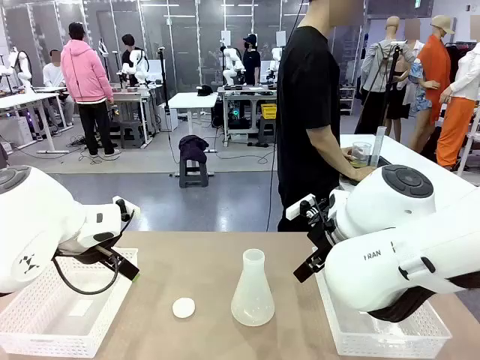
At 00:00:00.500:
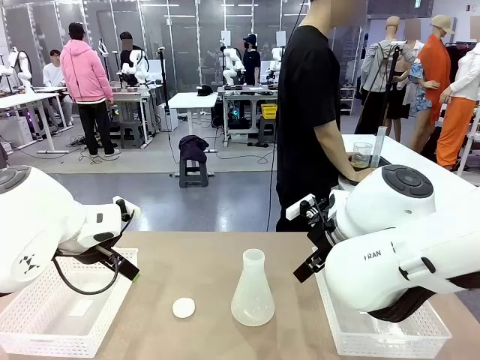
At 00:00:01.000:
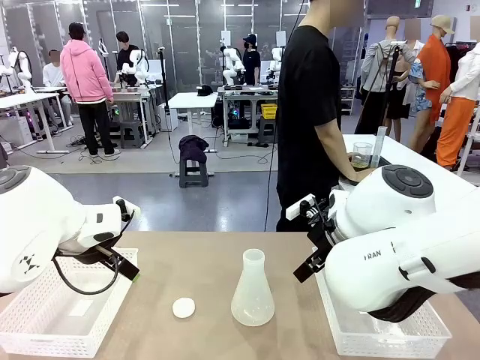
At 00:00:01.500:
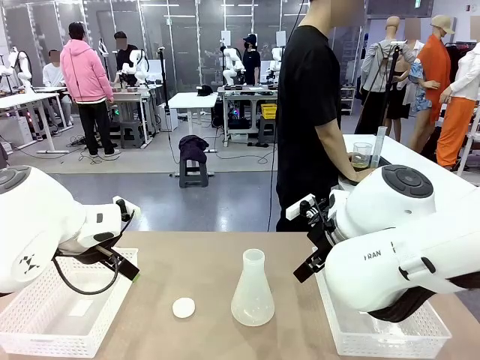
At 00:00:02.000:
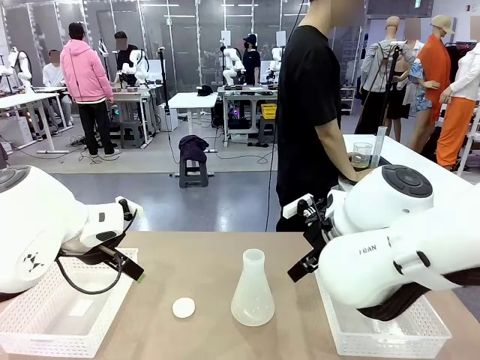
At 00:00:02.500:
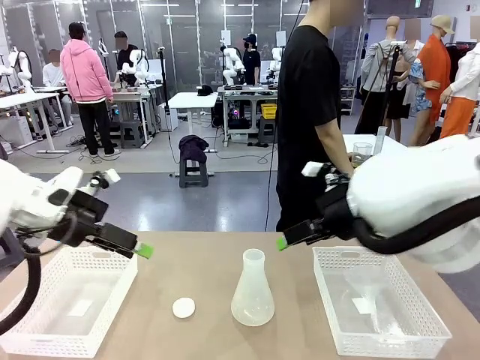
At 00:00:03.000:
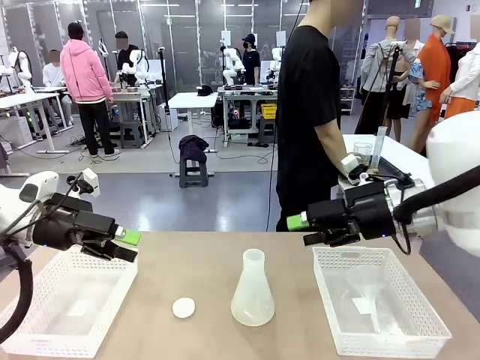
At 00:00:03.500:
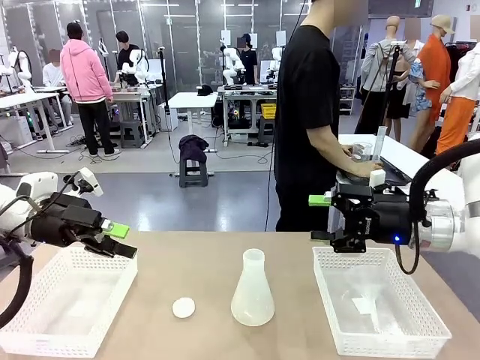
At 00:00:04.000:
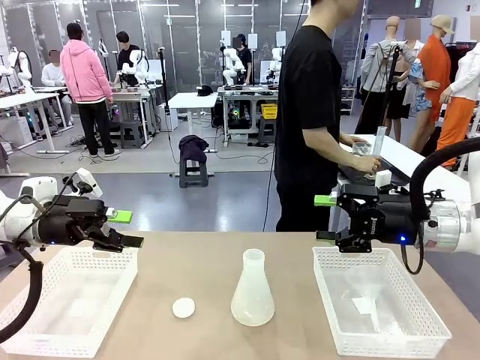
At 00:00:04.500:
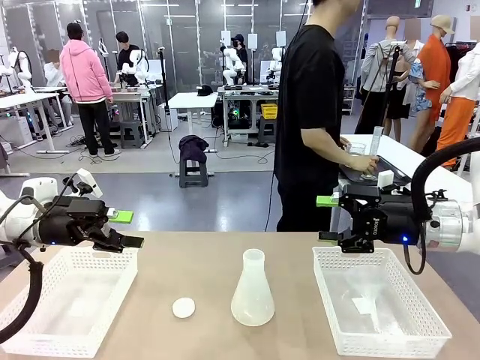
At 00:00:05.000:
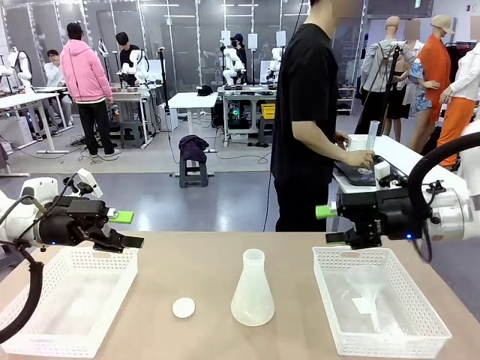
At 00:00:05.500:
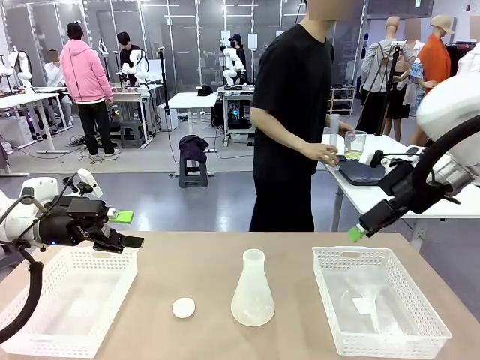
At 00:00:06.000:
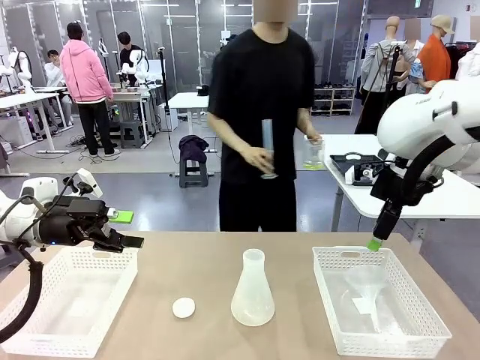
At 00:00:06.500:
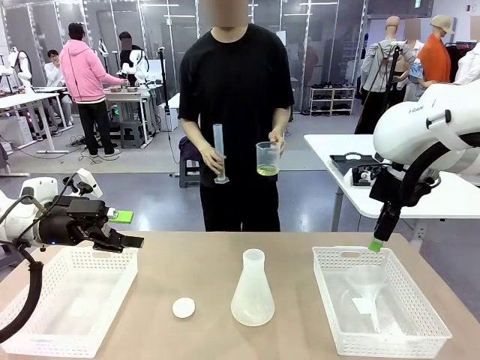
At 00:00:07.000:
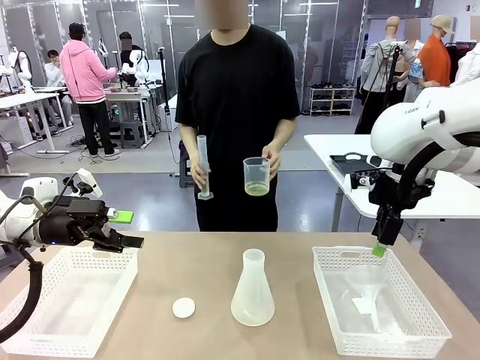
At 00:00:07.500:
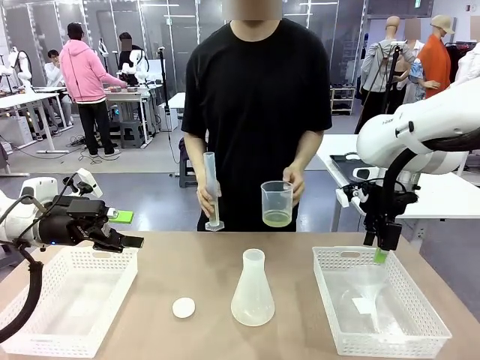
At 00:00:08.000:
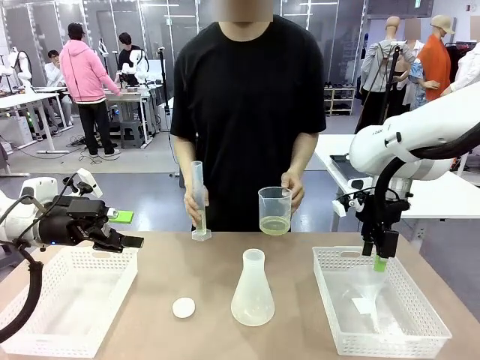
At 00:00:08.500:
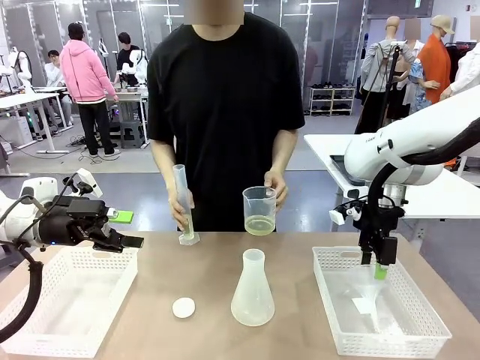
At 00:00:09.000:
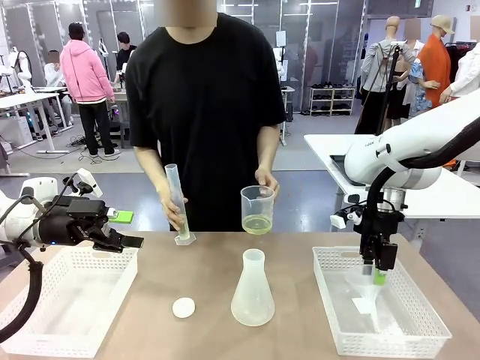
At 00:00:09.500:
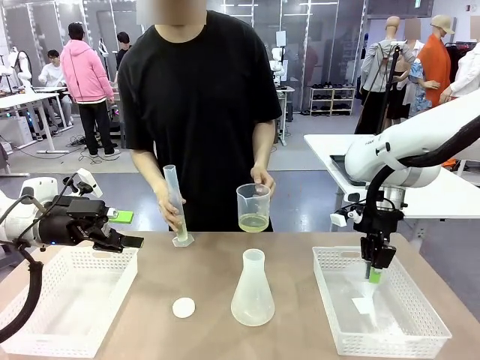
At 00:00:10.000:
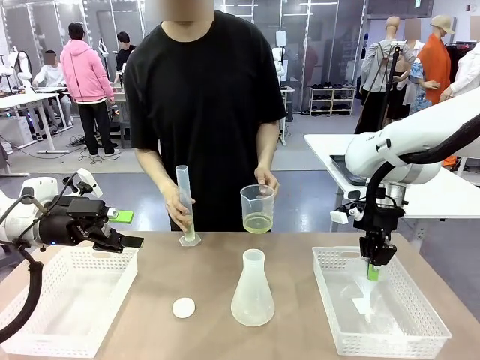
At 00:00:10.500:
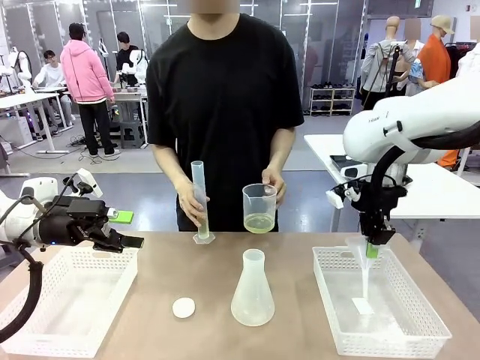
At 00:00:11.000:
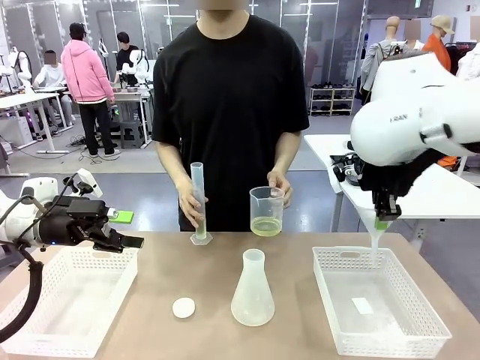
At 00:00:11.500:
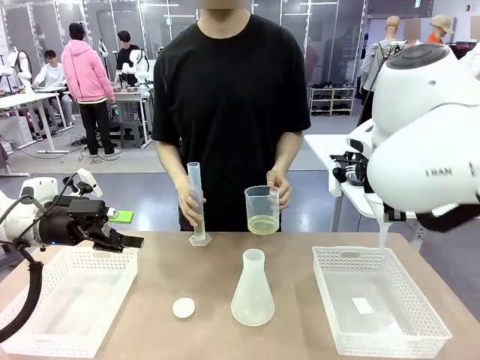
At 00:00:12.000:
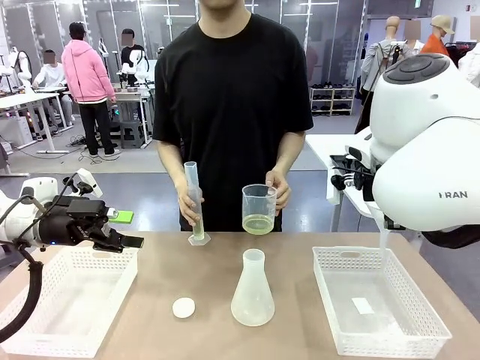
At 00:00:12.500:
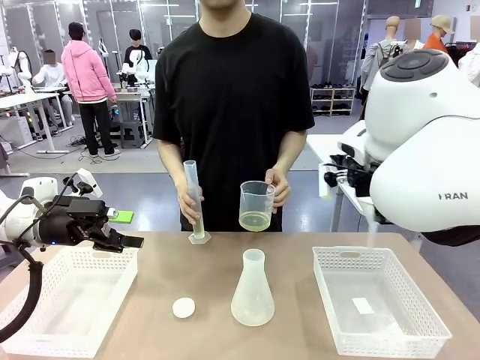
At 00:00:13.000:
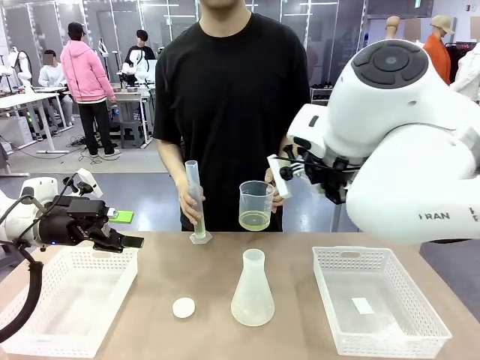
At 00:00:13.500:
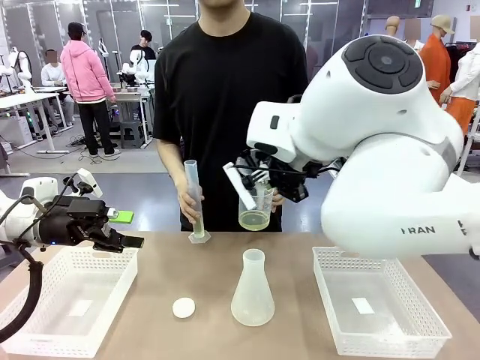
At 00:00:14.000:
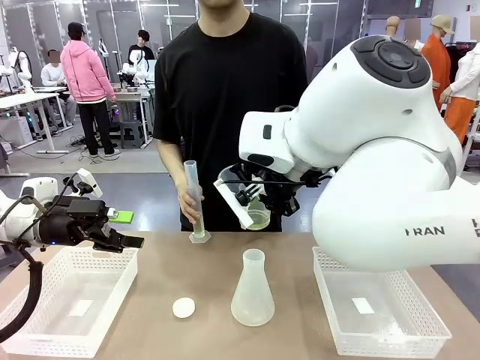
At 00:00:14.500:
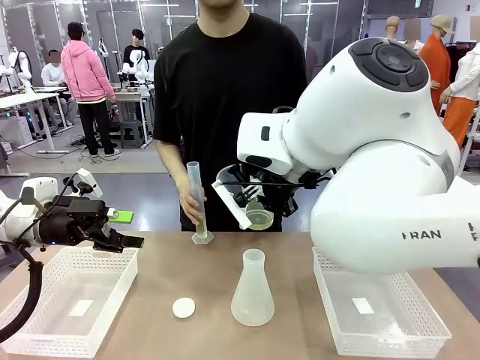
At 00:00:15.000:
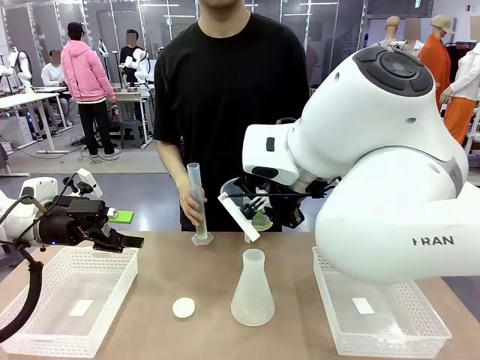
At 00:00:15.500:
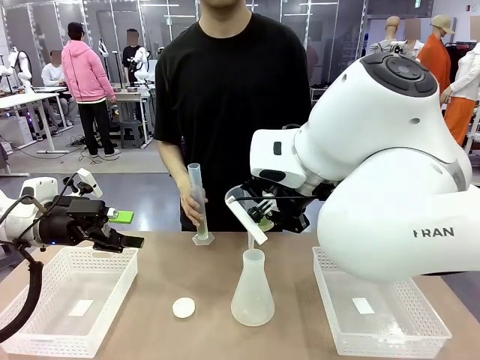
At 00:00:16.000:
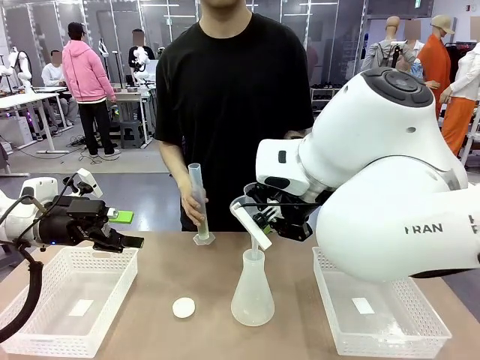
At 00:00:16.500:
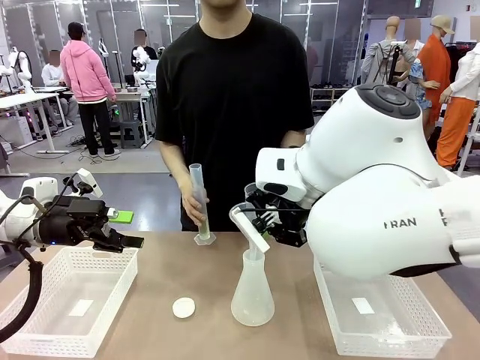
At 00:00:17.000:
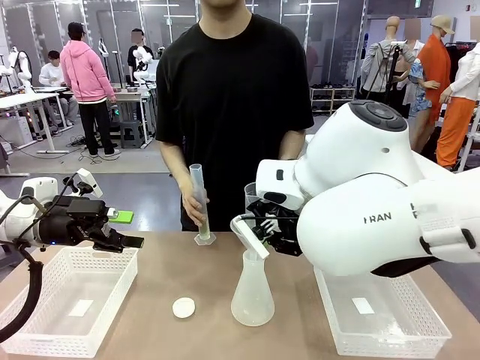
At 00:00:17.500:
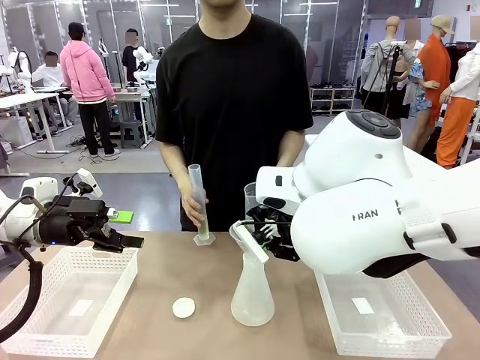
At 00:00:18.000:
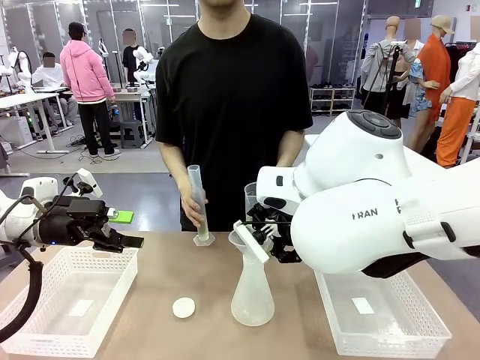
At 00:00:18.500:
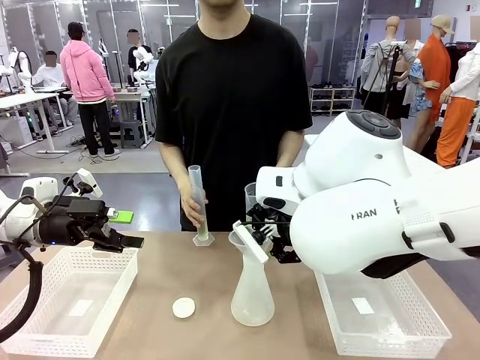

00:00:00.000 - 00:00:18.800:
Task: Prepare the solutions needed for the experiment.
Robot: Pick up the Plastic Funnel and insert it into the Big flask.
Person: Pick up the beaker and the cylinder and move to the middle of the robot table. Pour the solution from the beaker and the cylinder into the flask.
